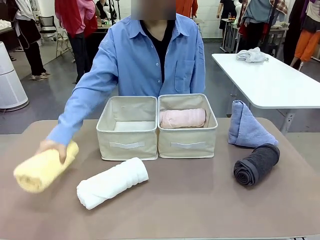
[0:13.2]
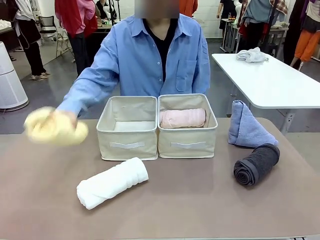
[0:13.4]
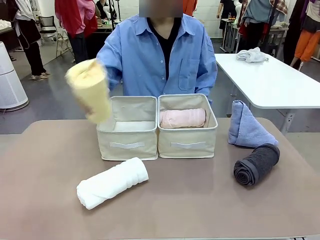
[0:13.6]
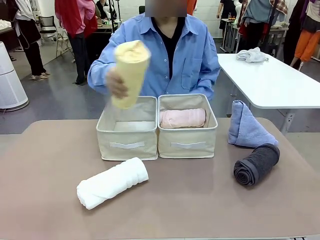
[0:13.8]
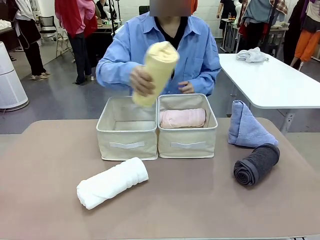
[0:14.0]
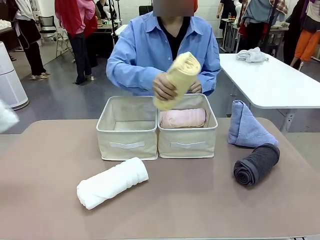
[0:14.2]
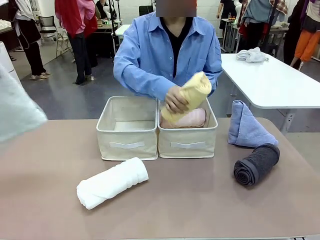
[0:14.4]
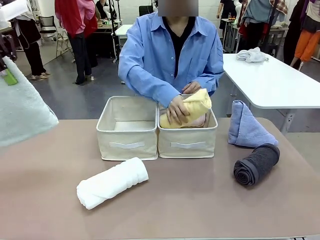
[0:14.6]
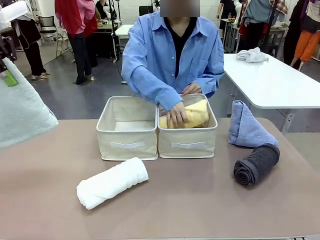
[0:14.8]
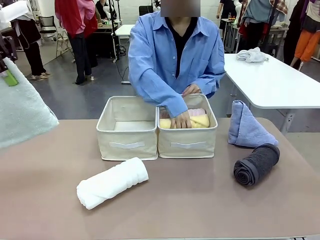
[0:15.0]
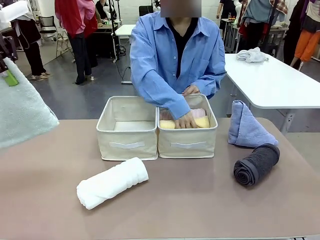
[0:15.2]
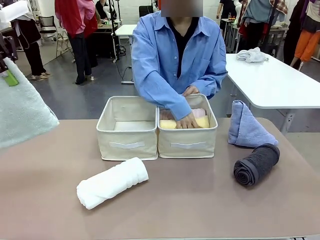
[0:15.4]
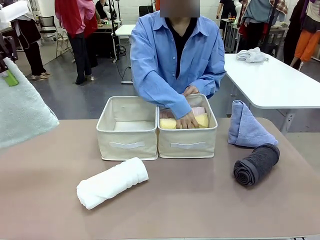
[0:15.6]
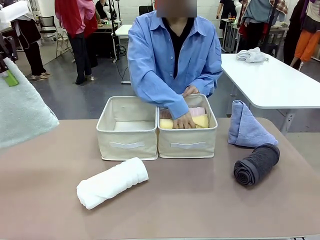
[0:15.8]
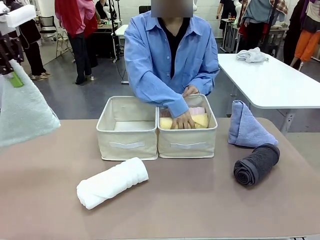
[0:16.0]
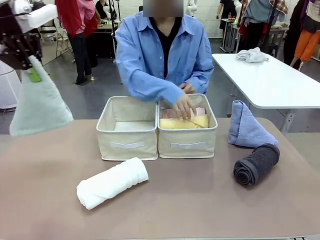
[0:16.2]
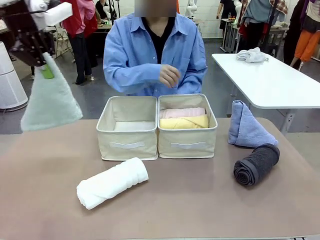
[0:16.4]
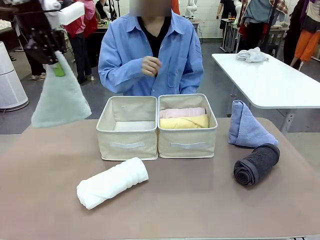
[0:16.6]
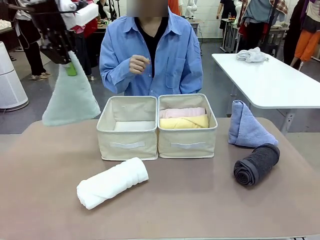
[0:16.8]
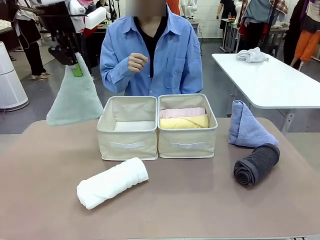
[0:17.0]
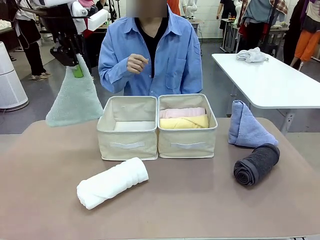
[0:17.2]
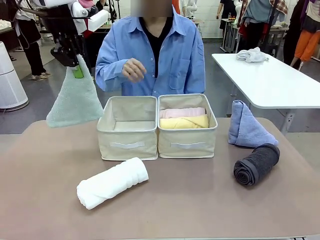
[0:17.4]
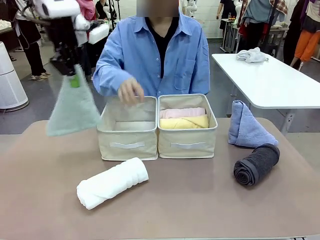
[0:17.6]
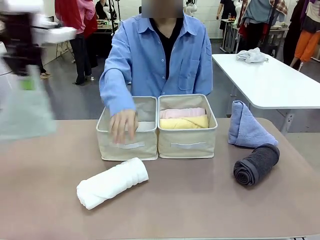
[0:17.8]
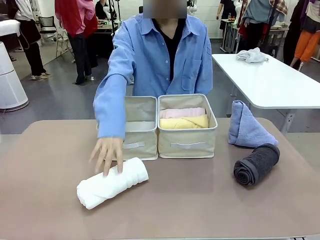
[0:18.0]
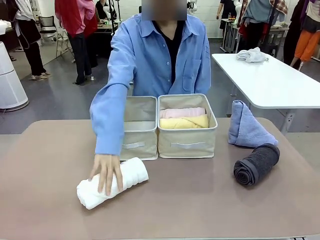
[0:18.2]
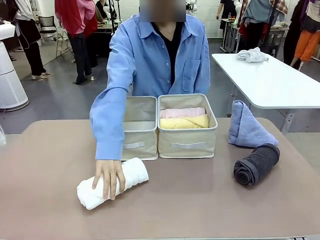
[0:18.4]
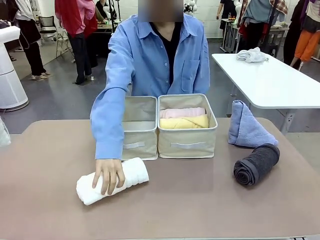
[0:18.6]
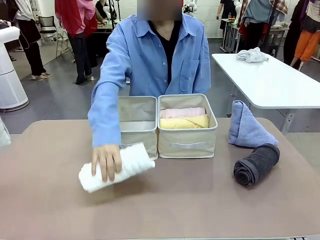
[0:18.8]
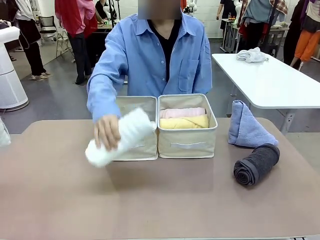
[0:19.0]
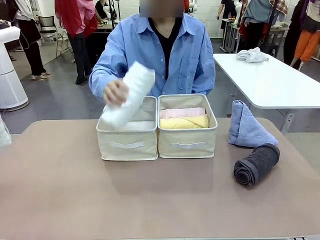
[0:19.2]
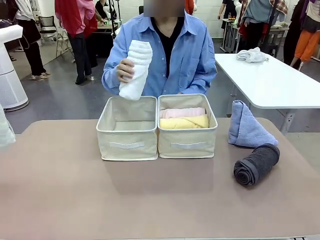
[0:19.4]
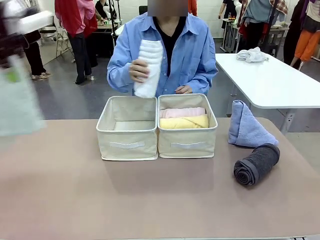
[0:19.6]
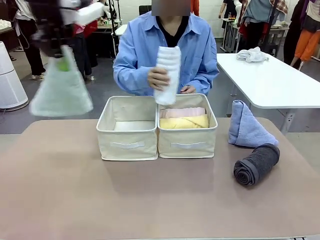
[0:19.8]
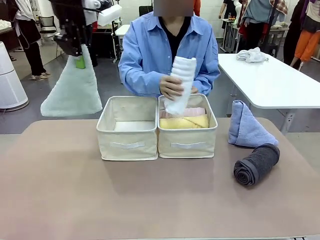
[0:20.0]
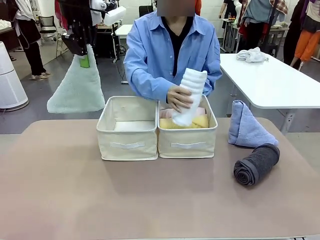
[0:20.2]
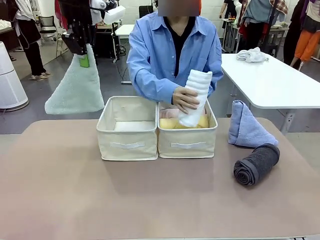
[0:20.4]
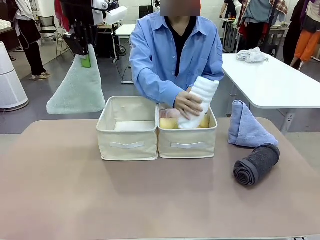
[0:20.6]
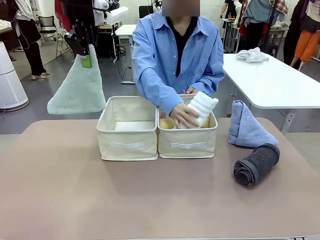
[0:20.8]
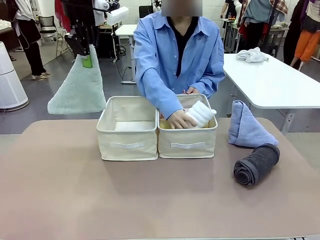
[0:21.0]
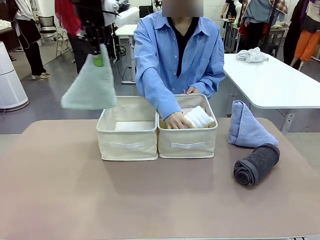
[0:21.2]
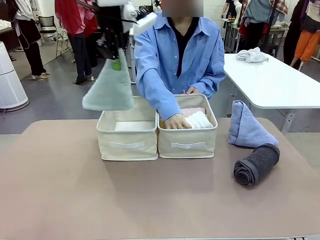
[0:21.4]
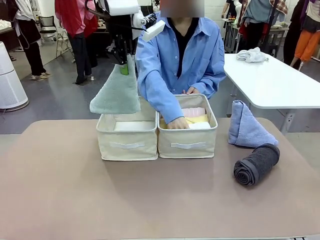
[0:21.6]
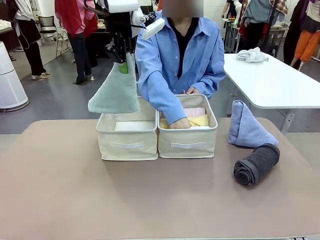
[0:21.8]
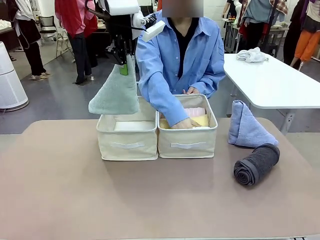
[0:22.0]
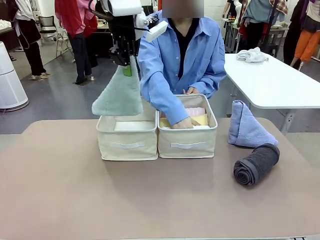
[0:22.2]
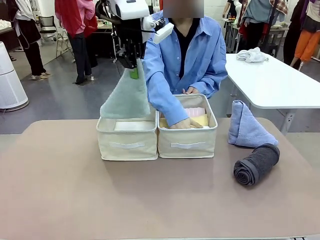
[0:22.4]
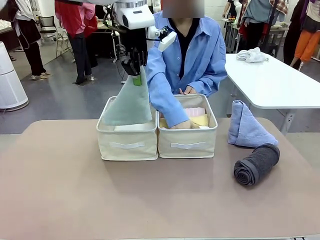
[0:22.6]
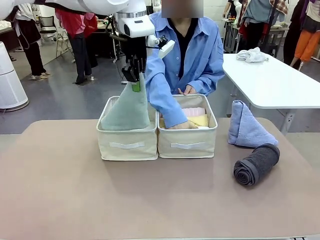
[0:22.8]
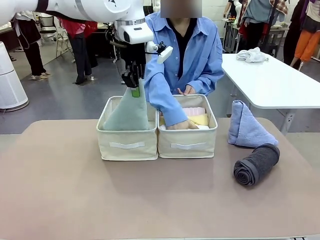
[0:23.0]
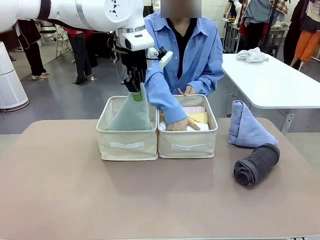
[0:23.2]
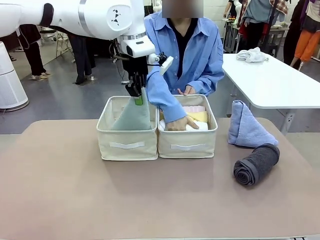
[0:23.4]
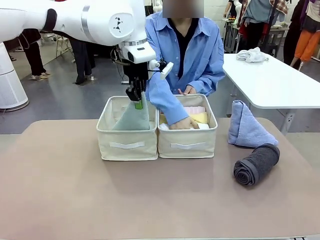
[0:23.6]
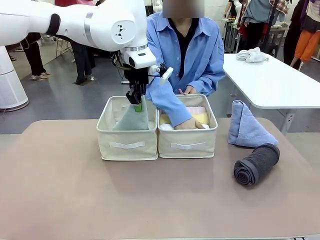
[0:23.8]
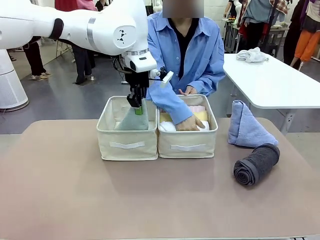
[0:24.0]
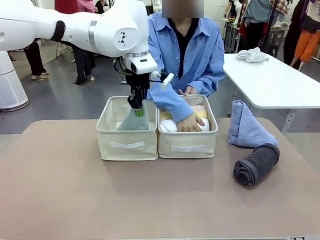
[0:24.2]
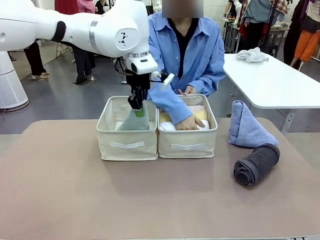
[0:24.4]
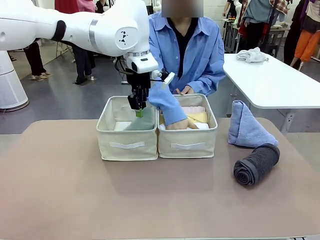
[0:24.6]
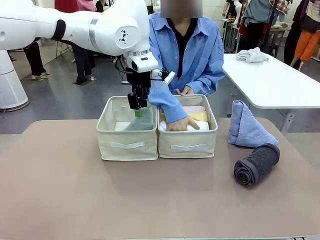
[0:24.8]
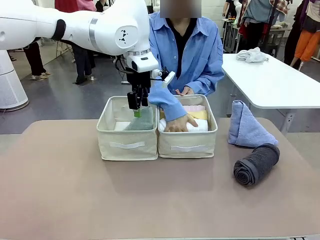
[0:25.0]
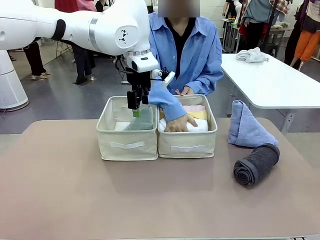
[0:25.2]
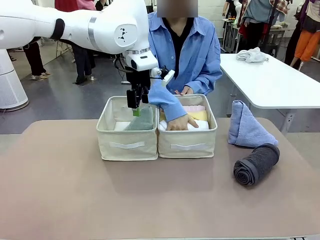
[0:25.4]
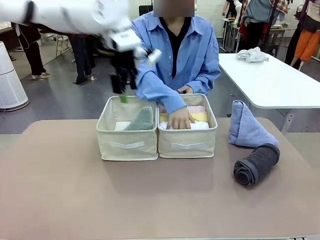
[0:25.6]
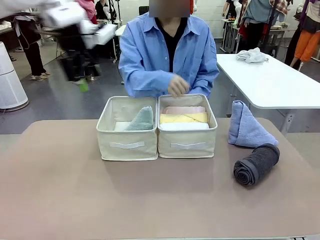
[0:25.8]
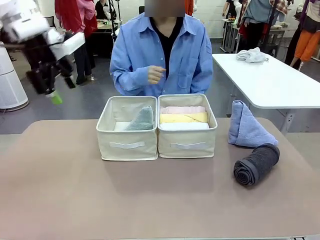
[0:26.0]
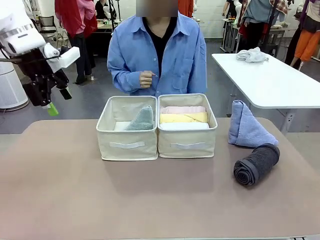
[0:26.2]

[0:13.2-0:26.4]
Task: Sort the towels based on their folding style.
Robot: Pick up one triangle-folded towel and place it in the left Fabric basket.

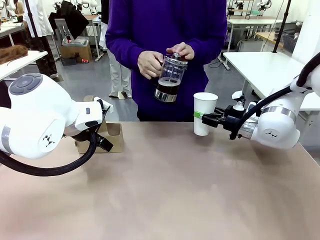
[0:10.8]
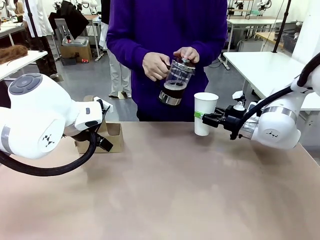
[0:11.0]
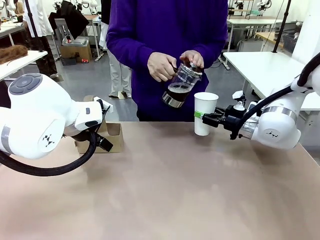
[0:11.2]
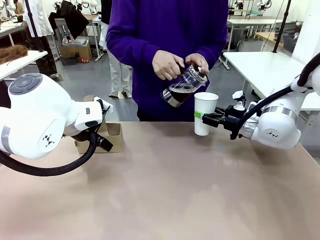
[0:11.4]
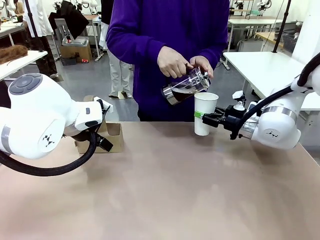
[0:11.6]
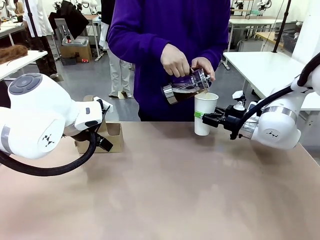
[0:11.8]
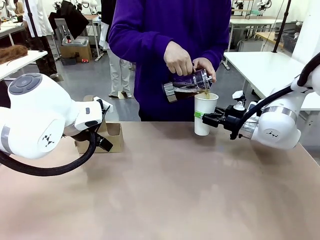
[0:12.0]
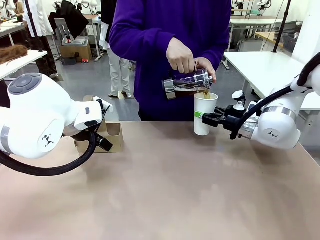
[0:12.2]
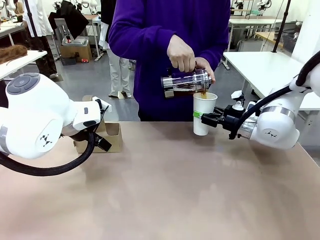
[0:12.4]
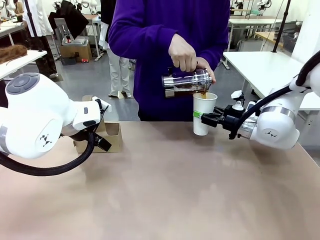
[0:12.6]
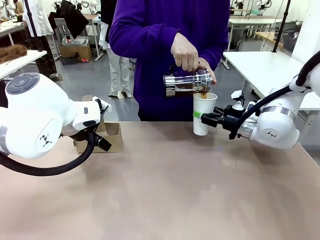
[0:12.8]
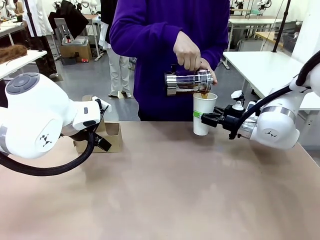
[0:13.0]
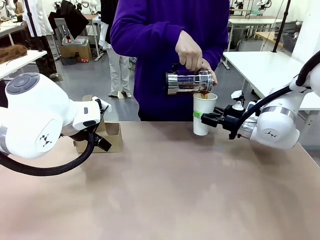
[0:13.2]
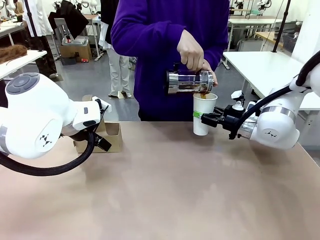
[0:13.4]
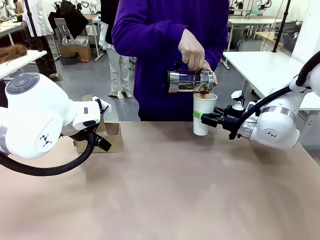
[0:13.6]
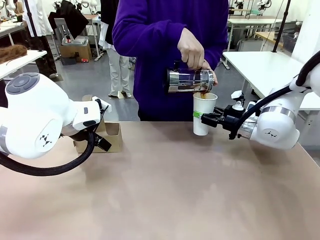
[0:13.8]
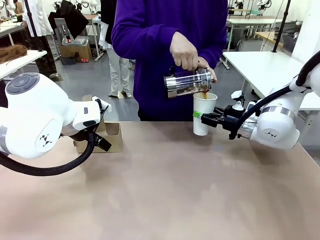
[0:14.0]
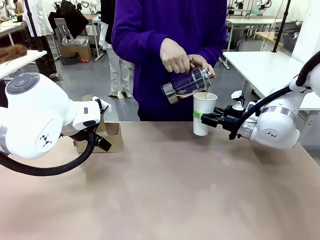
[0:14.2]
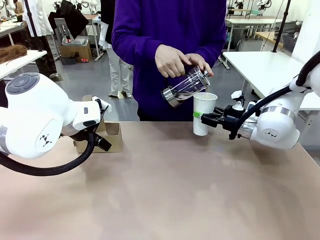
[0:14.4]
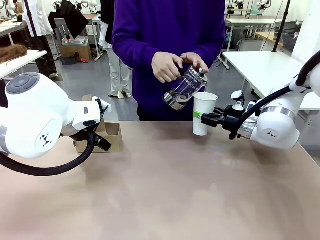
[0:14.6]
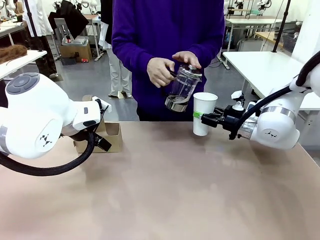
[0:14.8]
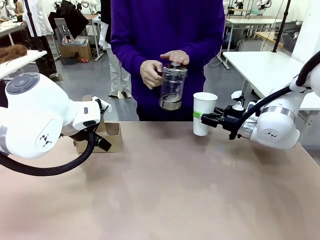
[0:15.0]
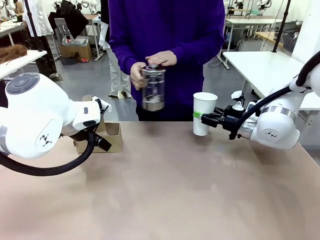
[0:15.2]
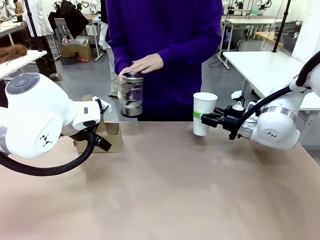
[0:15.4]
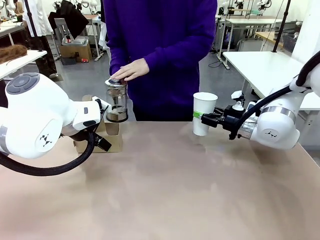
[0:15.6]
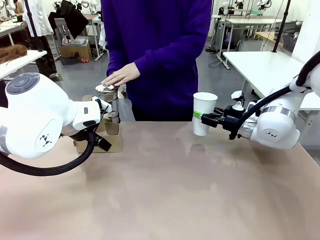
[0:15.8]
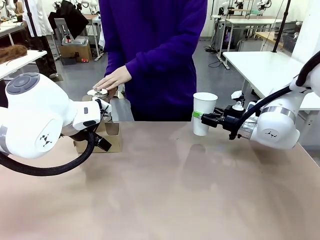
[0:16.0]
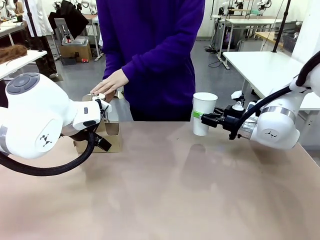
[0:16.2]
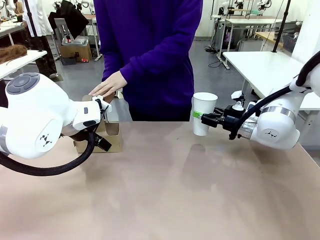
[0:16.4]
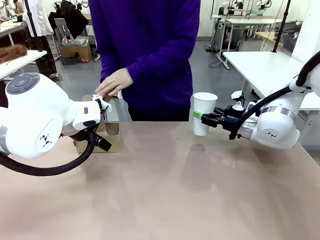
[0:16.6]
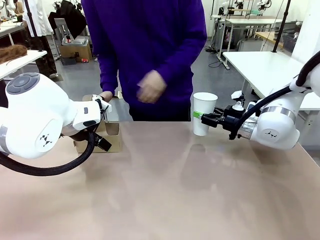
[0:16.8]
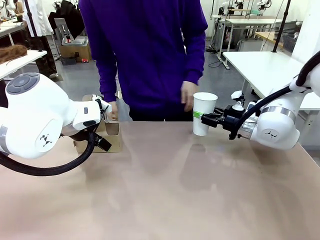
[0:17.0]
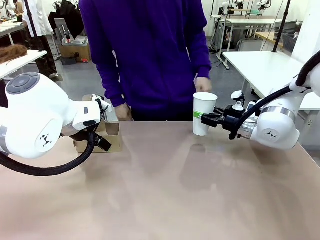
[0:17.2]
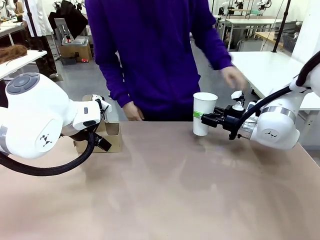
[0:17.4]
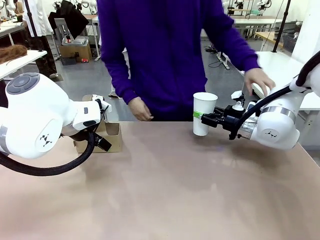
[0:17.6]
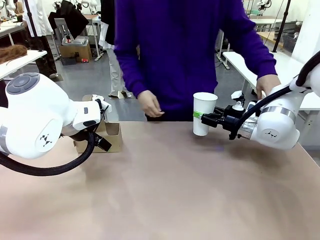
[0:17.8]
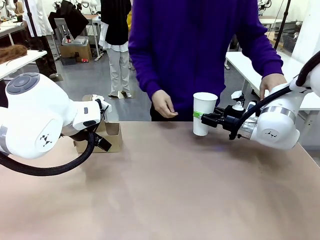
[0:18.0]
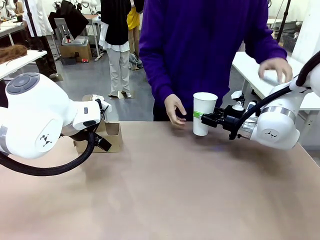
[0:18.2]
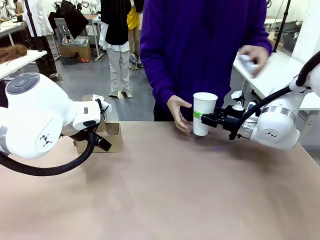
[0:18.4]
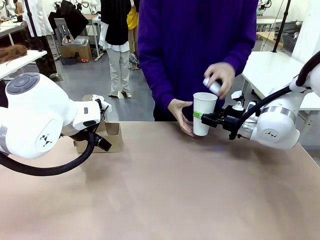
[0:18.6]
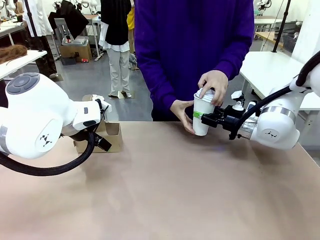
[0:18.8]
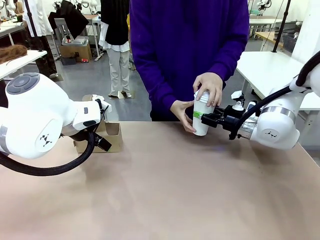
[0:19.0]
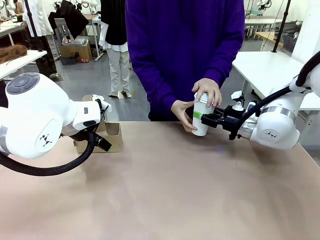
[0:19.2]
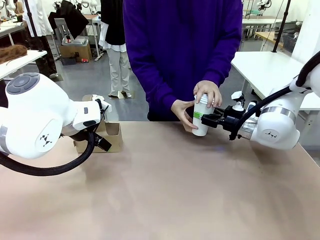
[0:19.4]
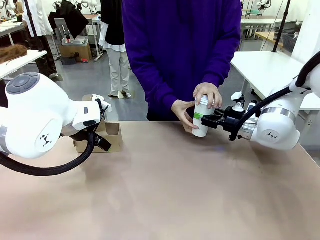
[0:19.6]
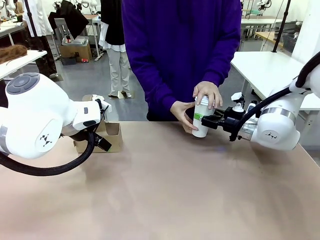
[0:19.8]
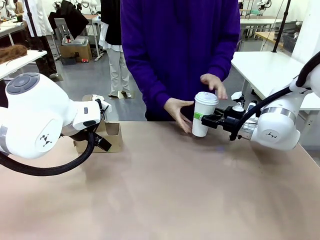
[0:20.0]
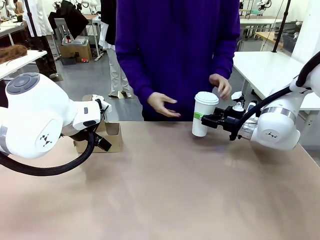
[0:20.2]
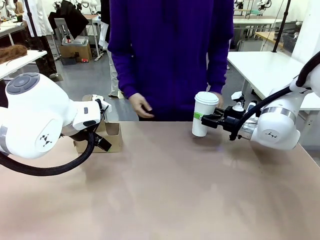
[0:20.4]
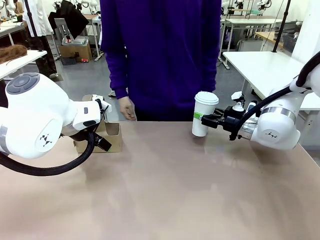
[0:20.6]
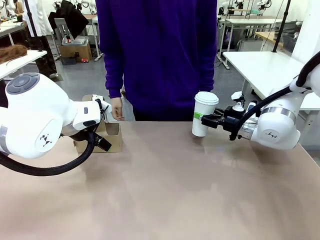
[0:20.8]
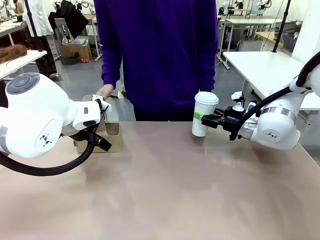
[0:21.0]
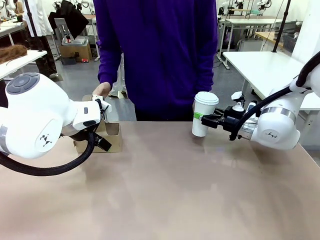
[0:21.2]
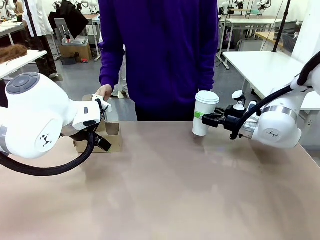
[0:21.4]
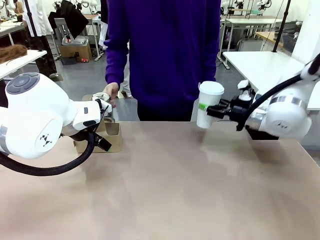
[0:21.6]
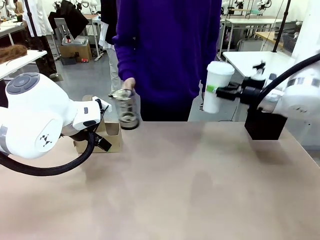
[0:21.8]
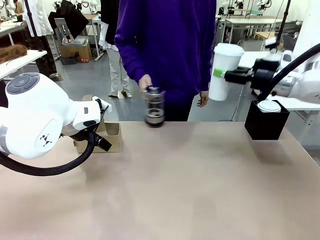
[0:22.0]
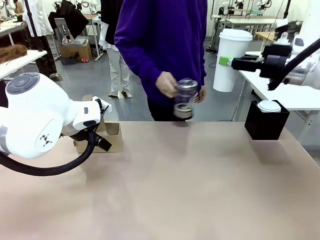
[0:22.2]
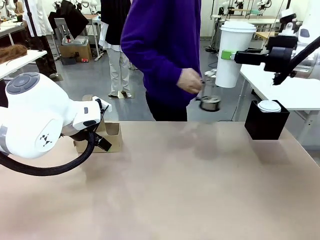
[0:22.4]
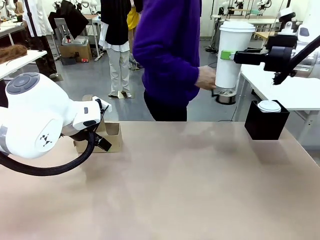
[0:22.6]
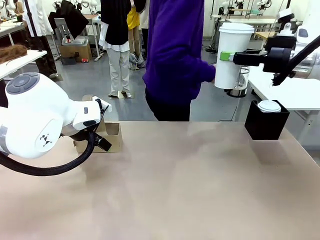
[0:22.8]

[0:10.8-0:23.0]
Task: Pour a drink into a cup and package it in a carrier.
Robot: When a person places the Paper Cup Lid on the 600 ml Paper Cup , lift the 600 ml Paper Cup.
Person: Pour the drink from the Filter Brewing into the 600 ml Paper Cup. Place a Paper Cup Lid on the 600 ml Paper Cup.
